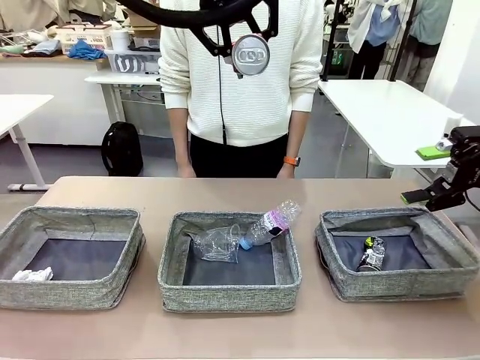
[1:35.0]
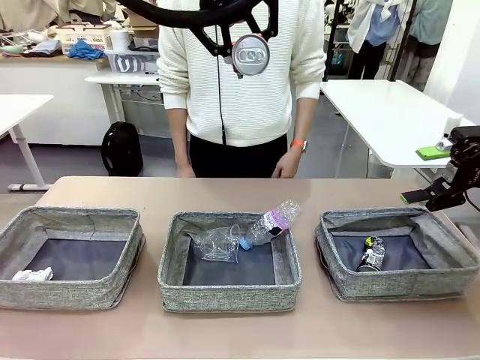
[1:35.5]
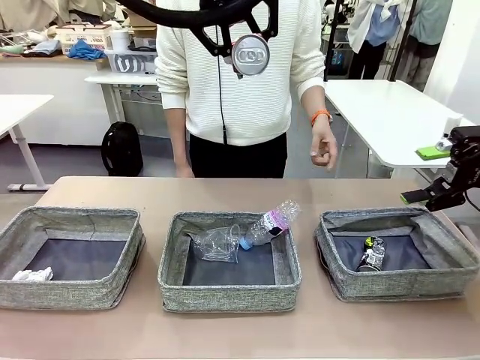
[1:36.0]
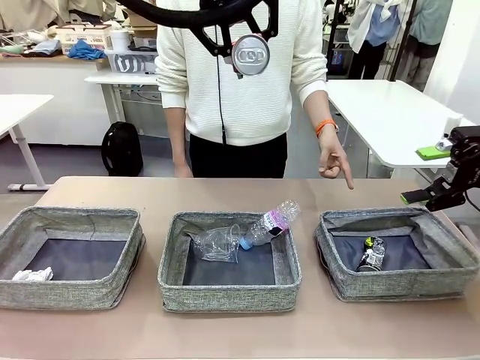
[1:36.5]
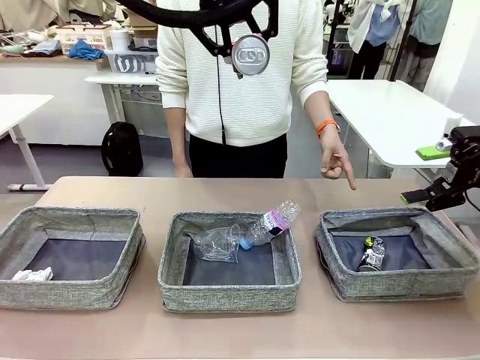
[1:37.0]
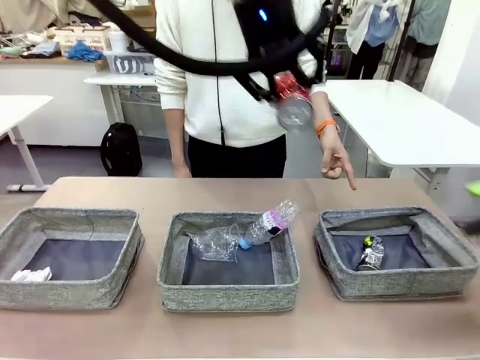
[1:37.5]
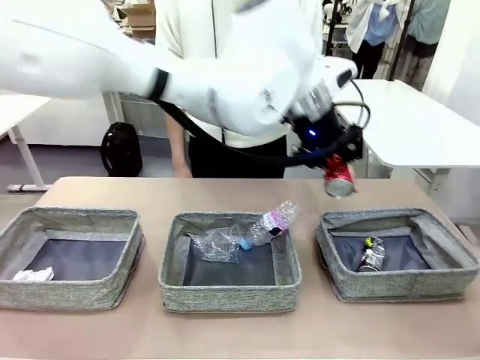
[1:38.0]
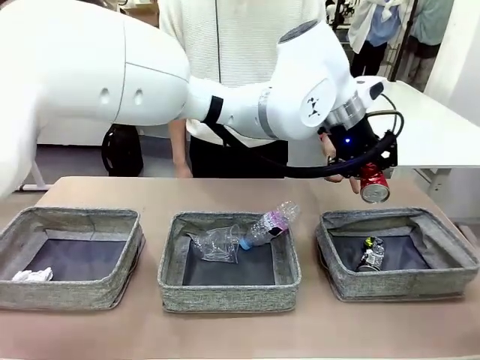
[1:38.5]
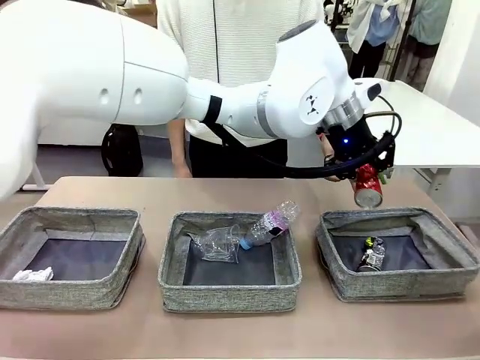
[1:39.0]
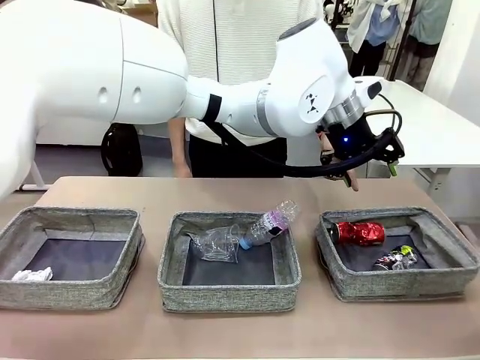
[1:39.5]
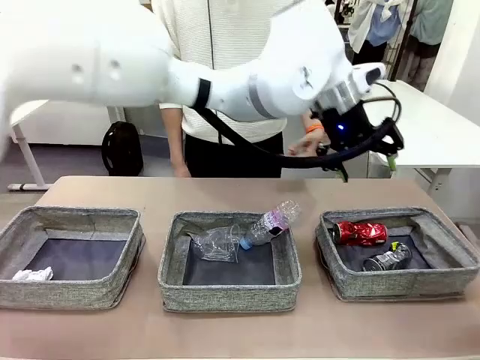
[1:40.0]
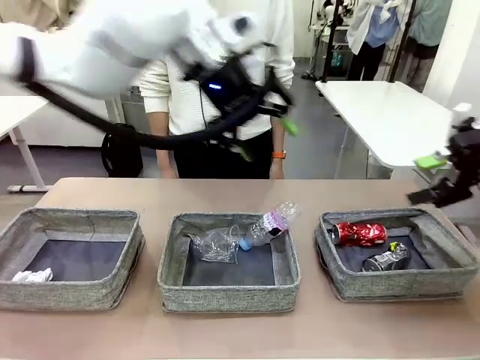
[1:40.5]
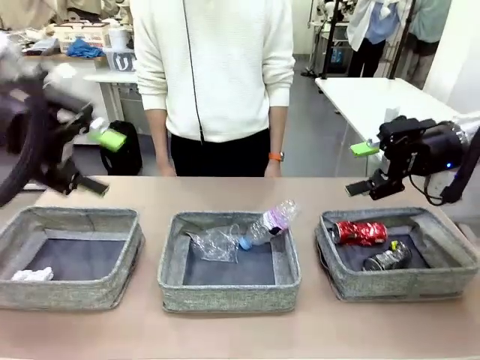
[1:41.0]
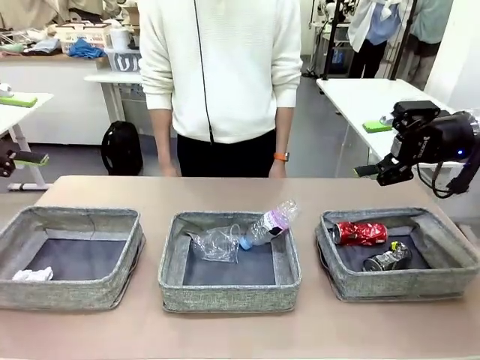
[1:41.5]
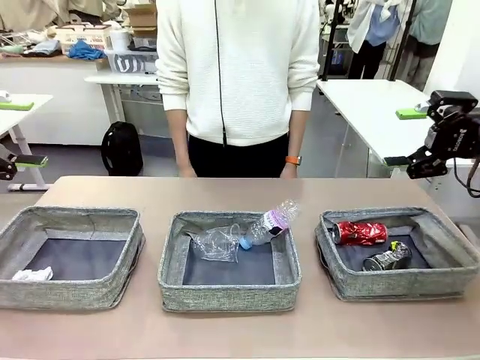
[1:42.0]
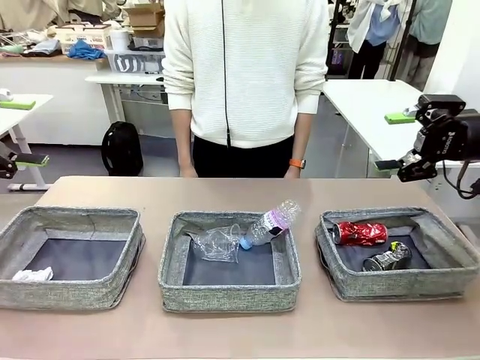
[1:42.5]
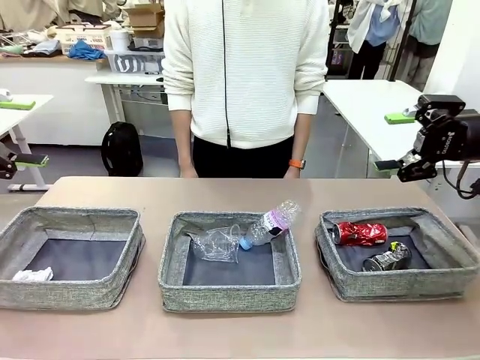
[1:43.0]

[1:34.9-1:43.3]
Task: Sort the waste into the appropriate baskets.
Robot: Place the picked waste into the Fabric basket indicated by the person.
Person: Instructs the robot to place the picked-up trash into the appropriate organizing basket.

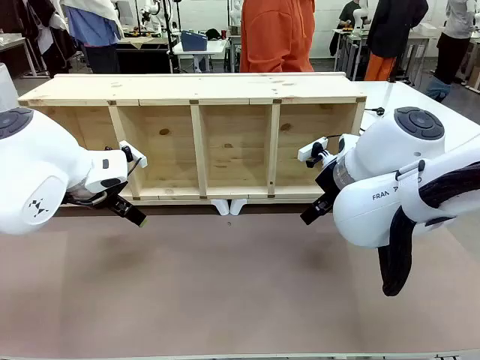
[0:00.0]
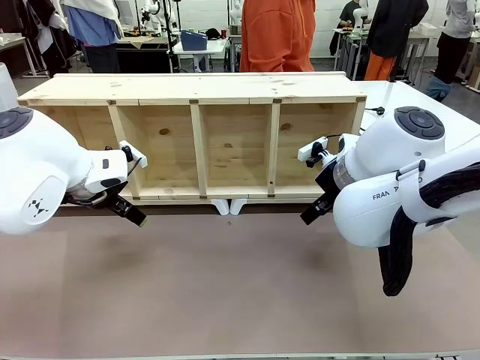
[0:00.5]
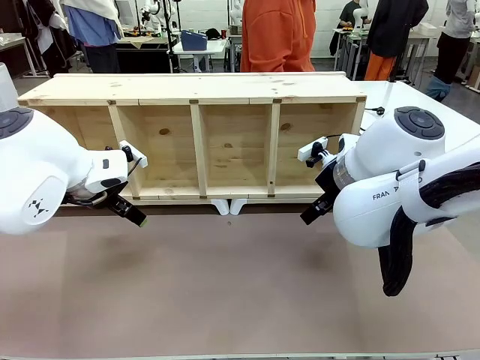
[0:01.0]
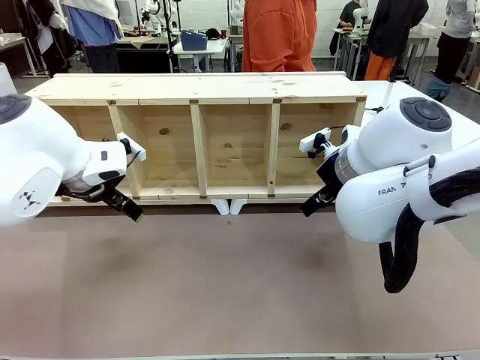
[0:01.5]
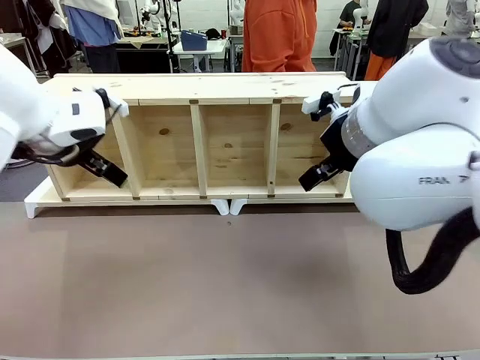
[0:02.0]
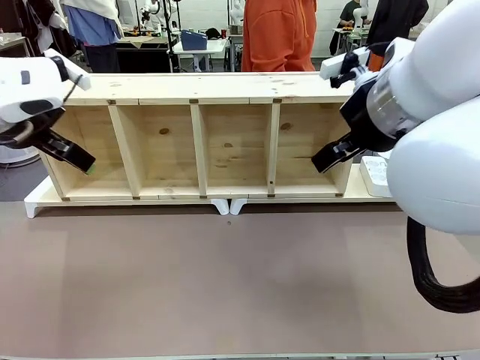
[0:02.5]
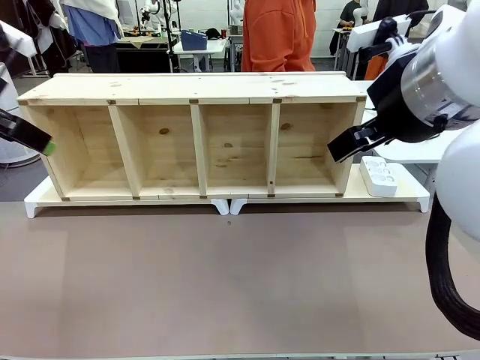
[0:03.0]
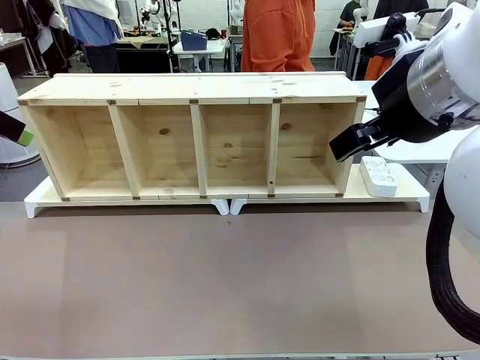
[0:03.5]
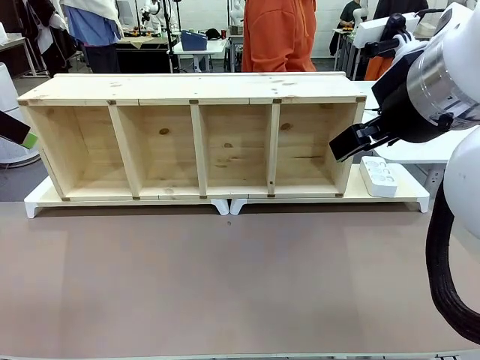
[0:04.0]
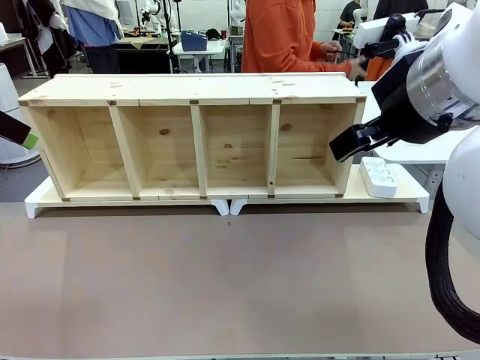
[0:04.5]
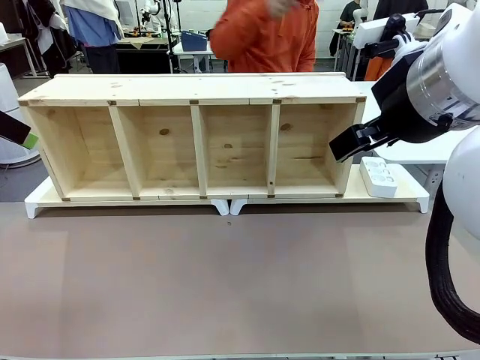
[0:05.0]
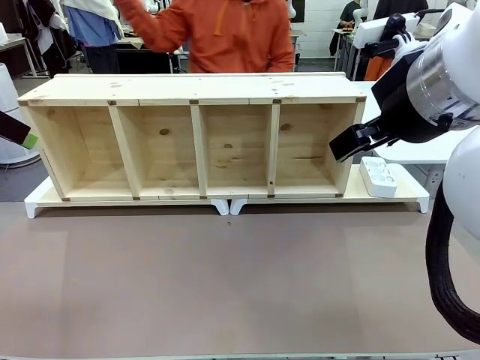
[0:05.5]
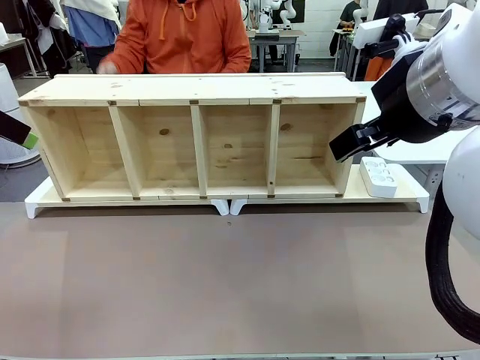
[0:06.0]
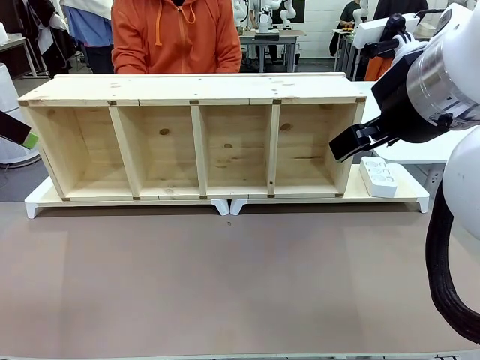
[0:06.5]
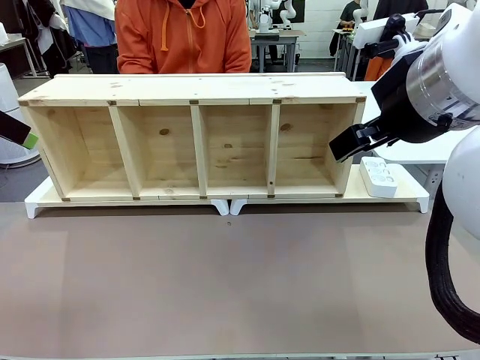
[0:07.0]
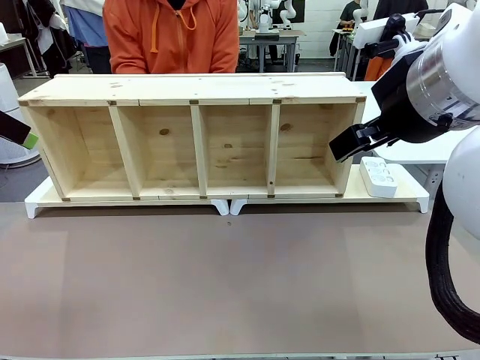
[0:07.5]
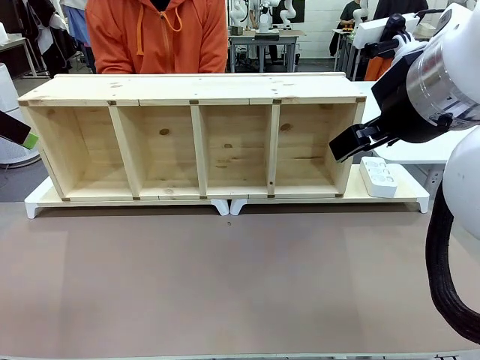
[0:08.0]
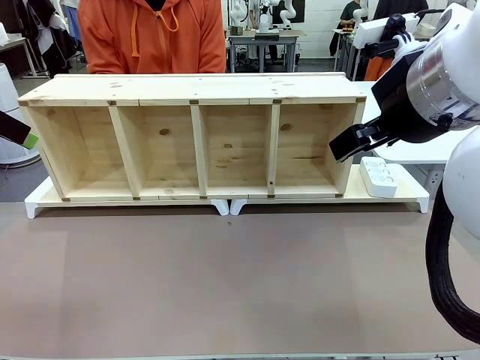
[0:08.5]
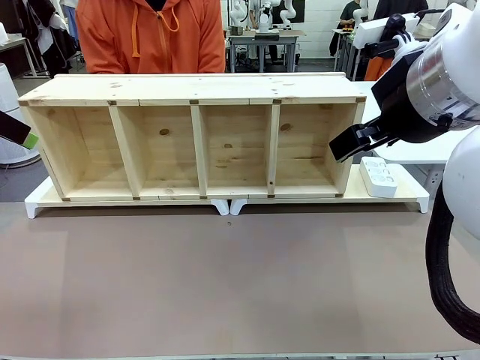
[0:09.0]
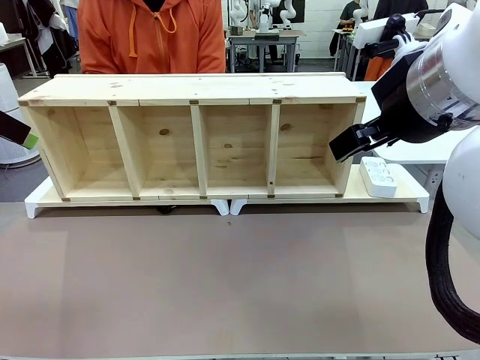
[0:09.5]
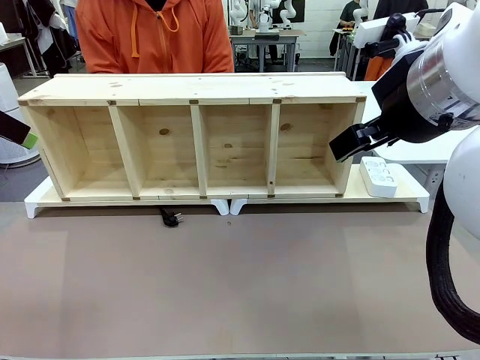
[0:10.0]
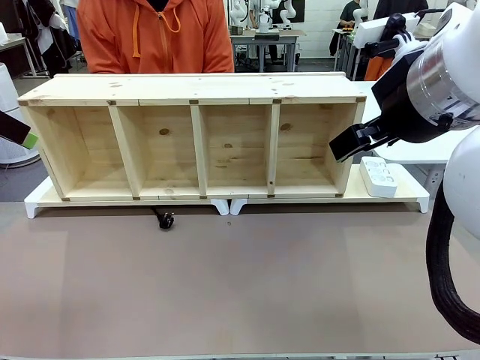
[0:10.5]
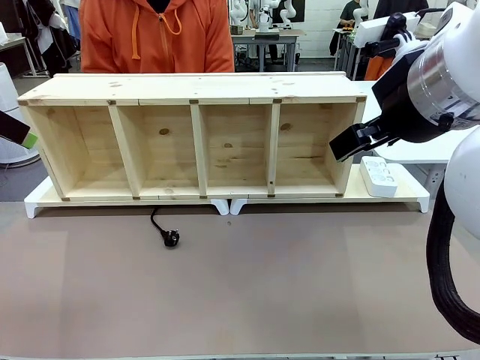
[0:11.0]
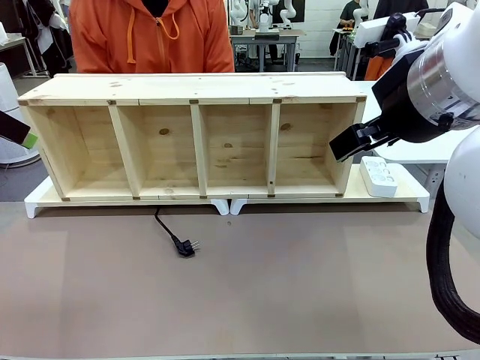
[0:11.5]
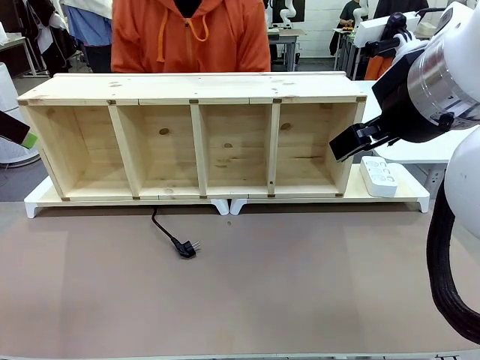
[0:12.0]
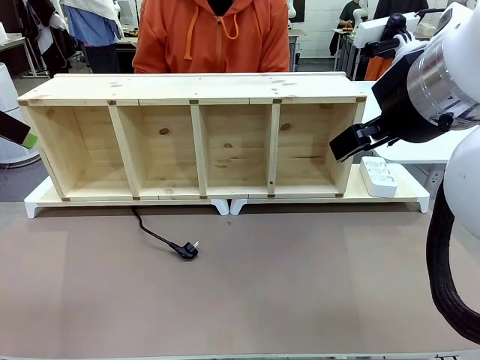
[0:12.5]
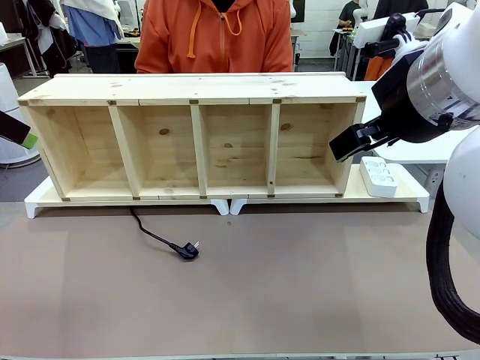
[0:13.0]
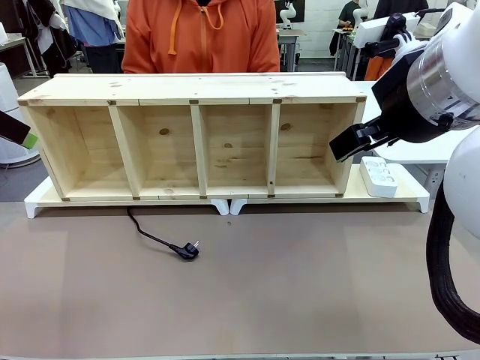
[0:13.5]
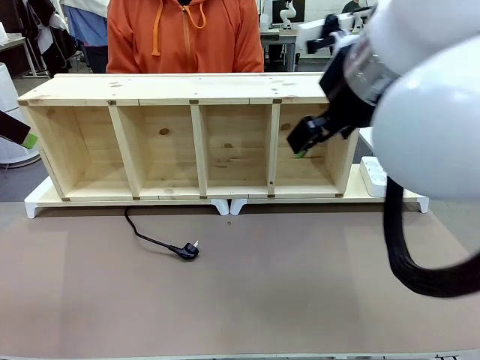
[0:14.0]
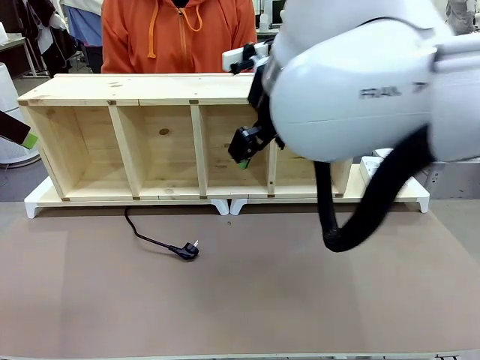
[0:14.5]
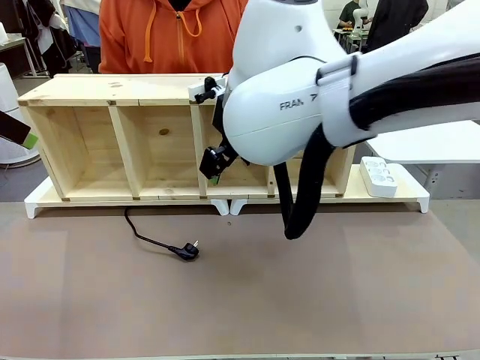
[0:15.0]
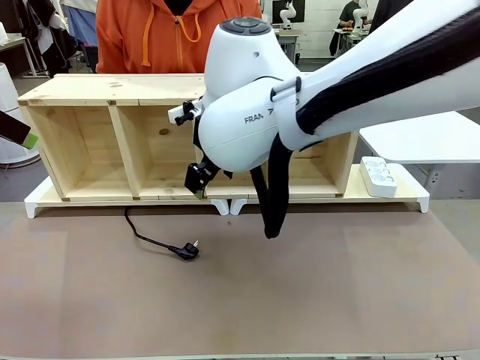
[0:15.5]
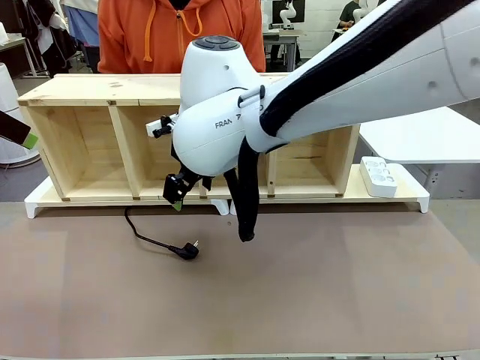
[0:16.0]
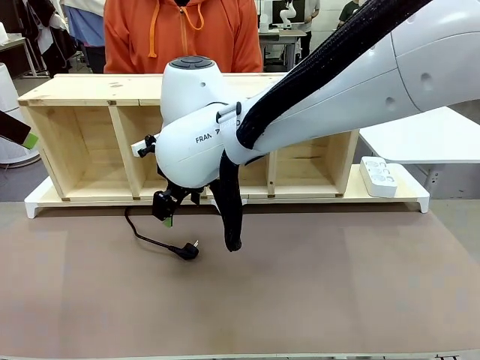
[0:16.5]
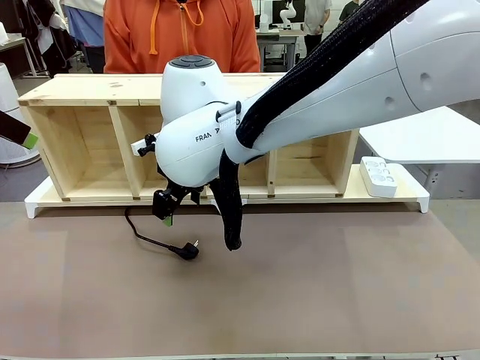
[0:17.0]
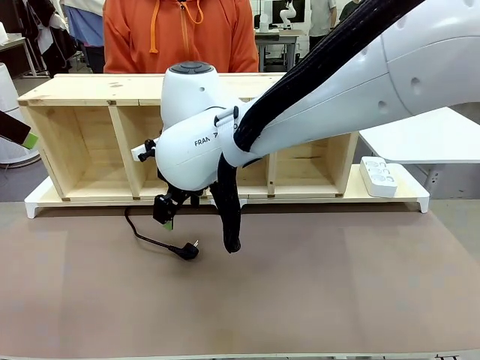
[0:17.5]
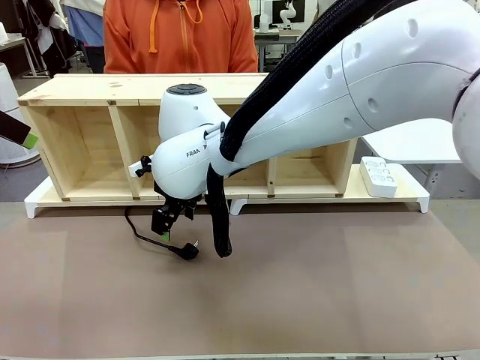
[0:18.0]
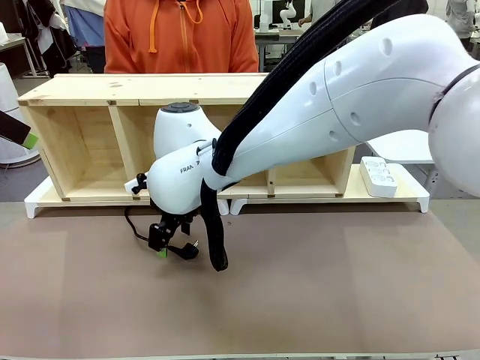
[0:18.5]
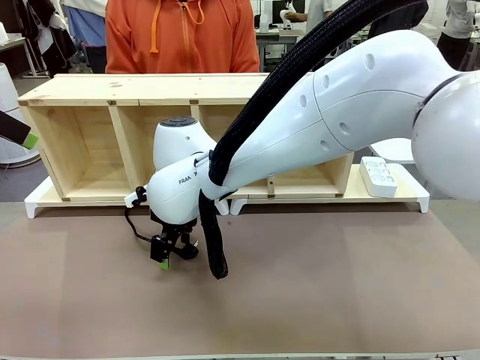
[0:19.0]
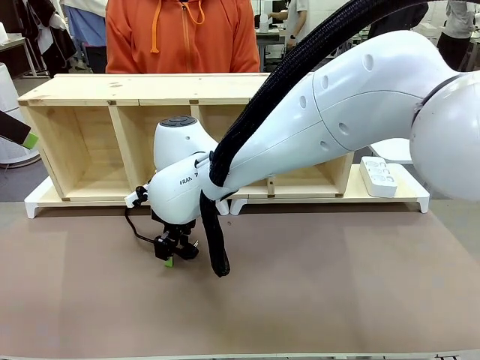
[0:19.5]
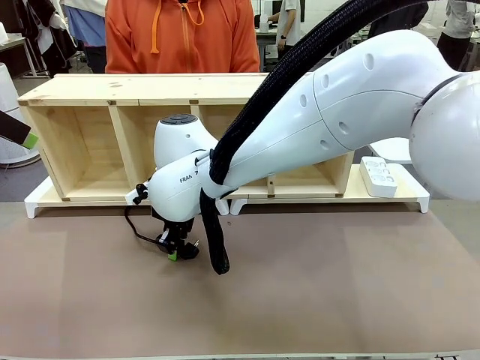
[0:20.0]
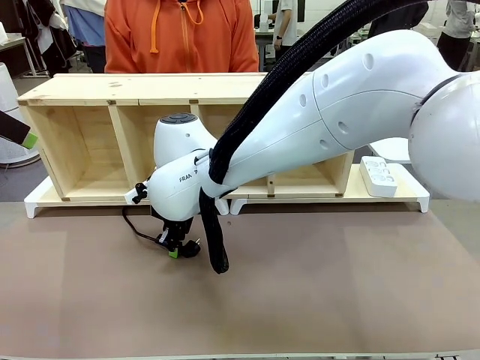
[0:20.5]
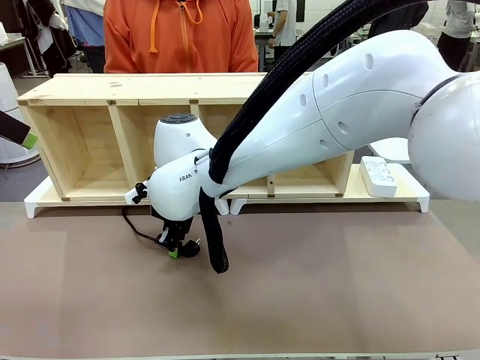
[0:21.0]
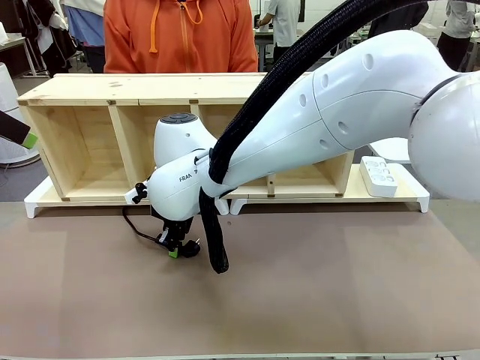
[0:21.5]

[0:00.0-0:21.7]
Task: Perform cable management.
Robot: When the cord part of the Power Cable appears at the lower middle area of the table and stops, grasp the cord part of the Power Cable.
Person: Pass the Power Cable under the Serving Table.
